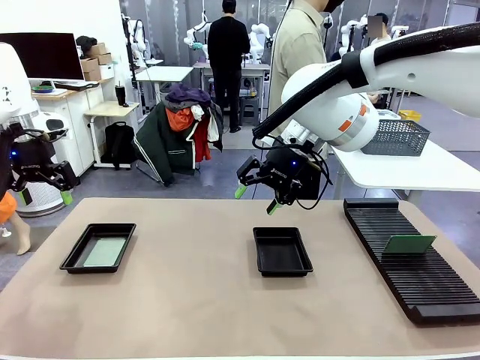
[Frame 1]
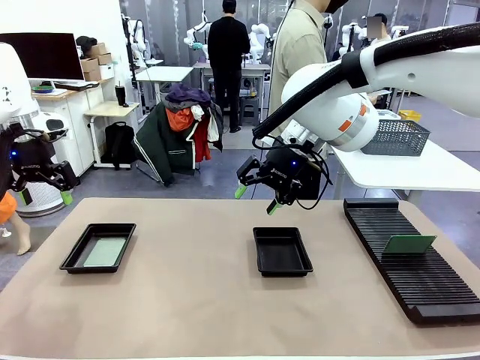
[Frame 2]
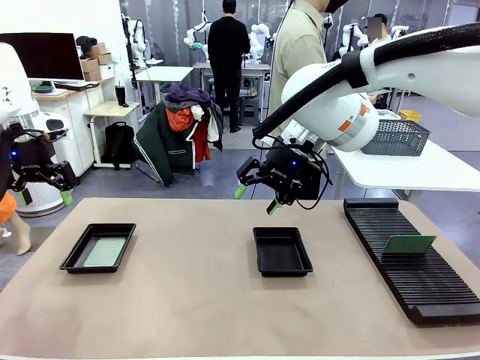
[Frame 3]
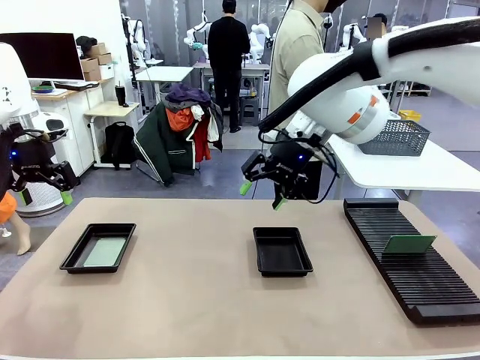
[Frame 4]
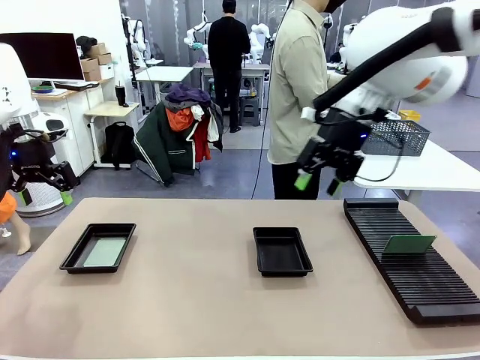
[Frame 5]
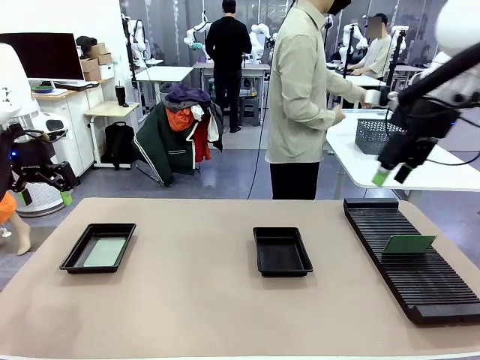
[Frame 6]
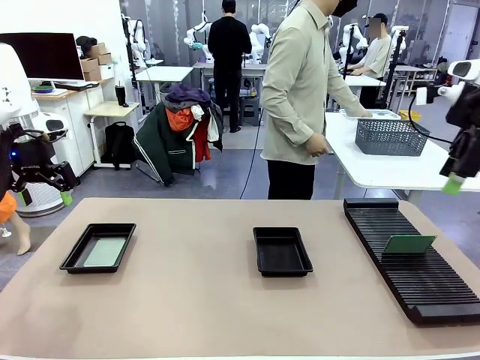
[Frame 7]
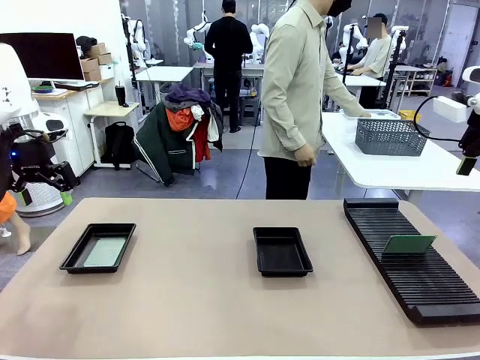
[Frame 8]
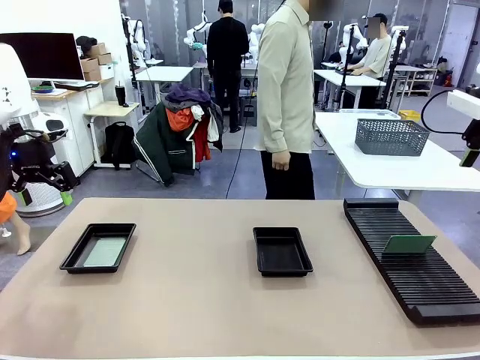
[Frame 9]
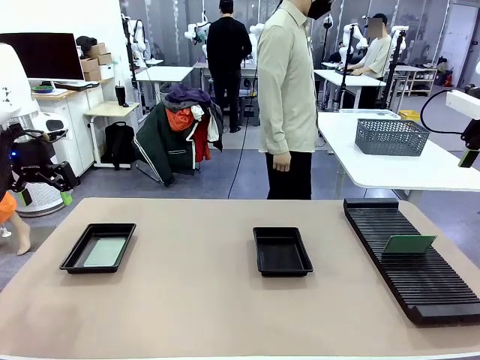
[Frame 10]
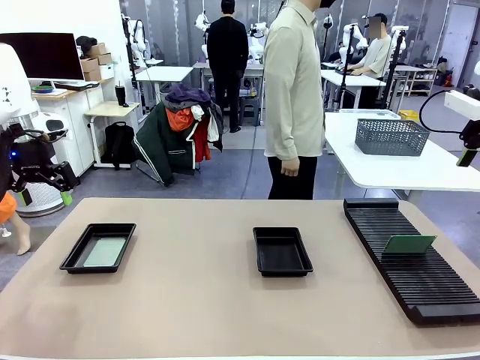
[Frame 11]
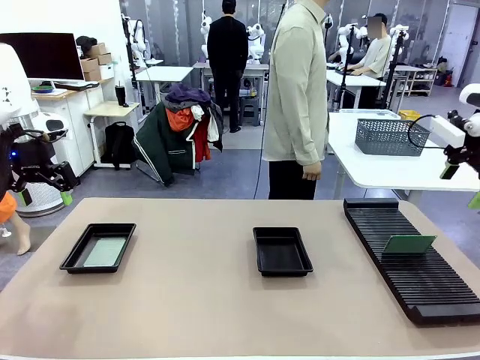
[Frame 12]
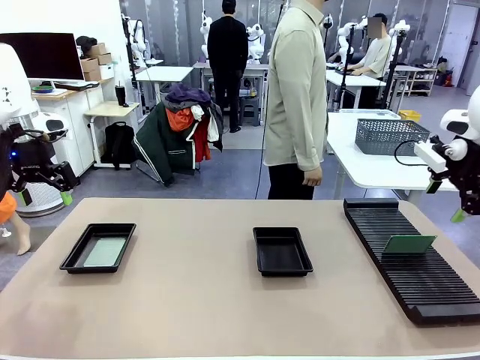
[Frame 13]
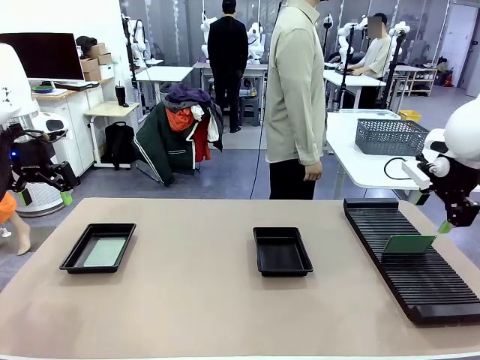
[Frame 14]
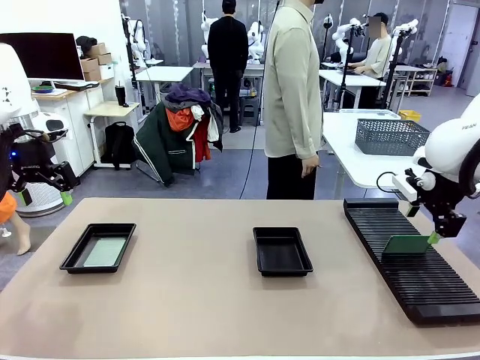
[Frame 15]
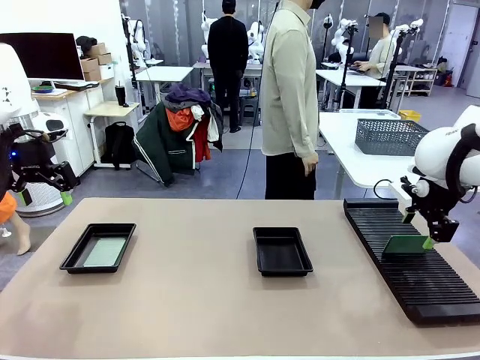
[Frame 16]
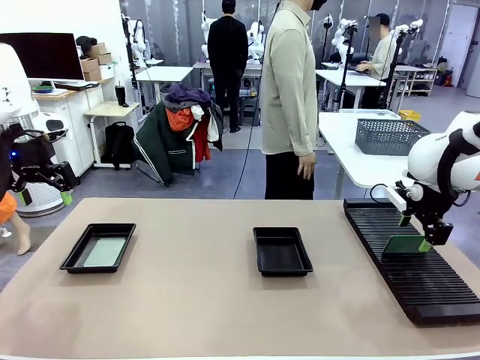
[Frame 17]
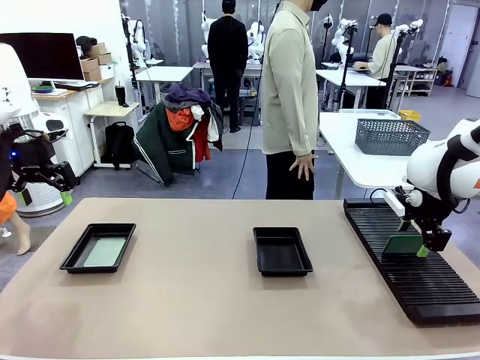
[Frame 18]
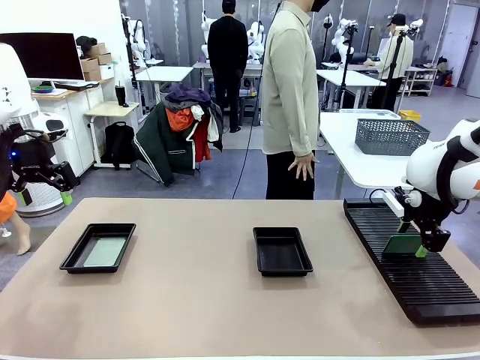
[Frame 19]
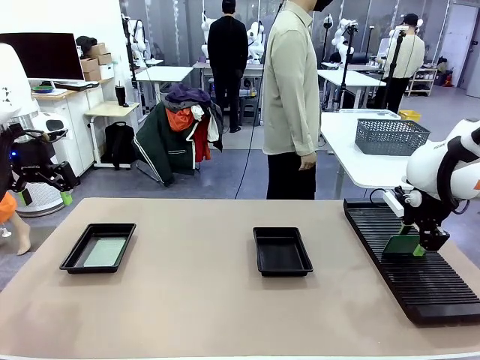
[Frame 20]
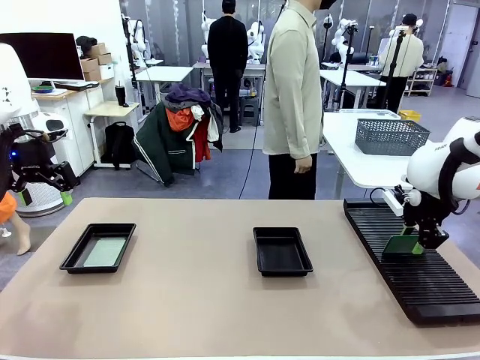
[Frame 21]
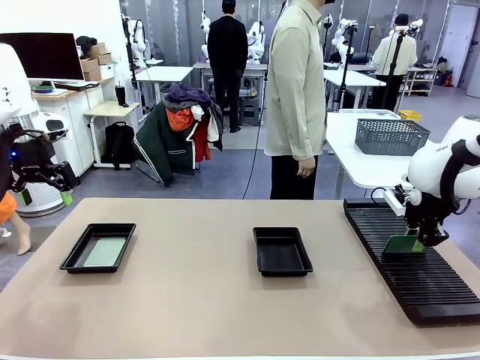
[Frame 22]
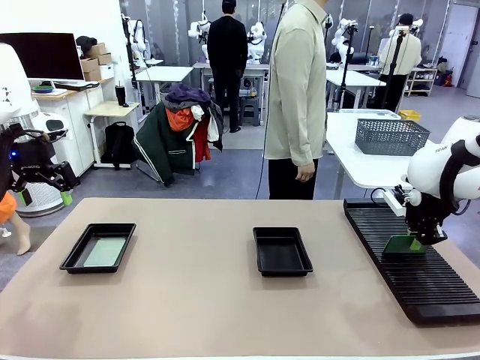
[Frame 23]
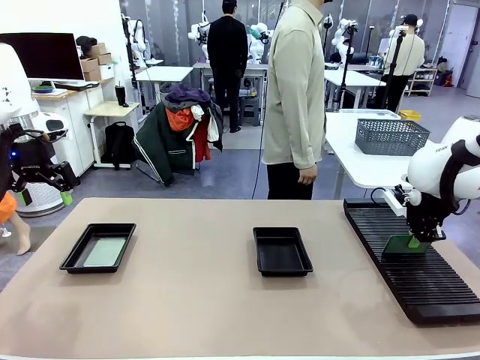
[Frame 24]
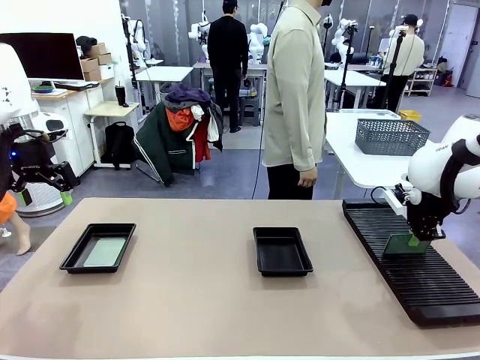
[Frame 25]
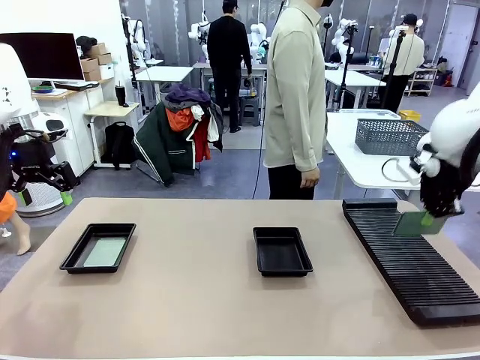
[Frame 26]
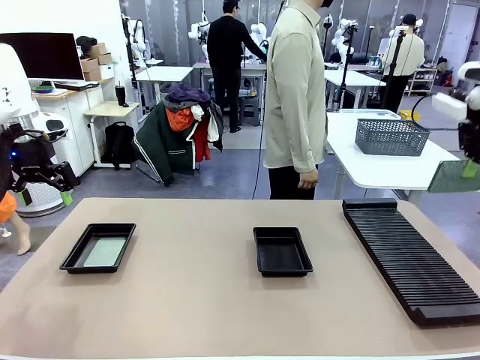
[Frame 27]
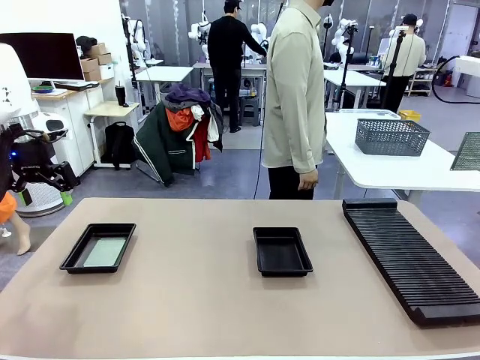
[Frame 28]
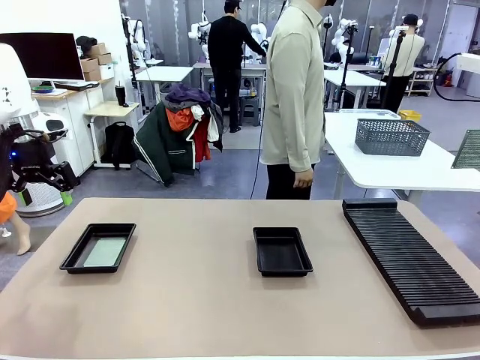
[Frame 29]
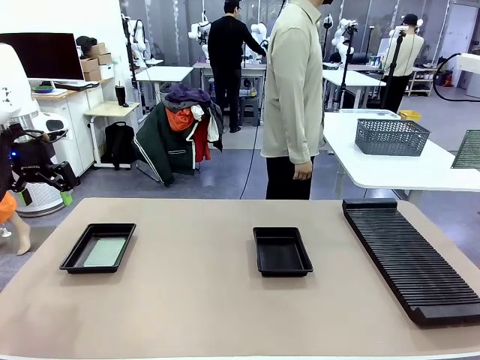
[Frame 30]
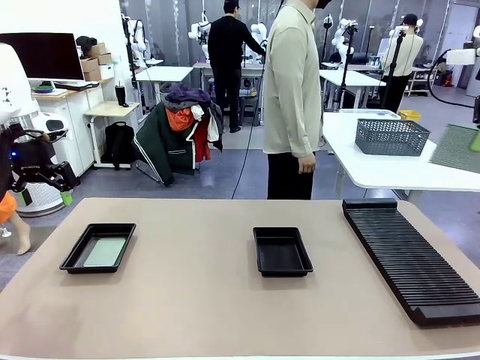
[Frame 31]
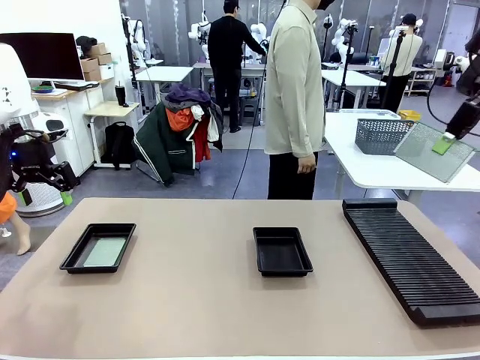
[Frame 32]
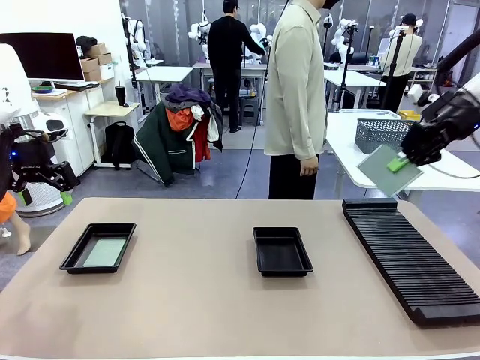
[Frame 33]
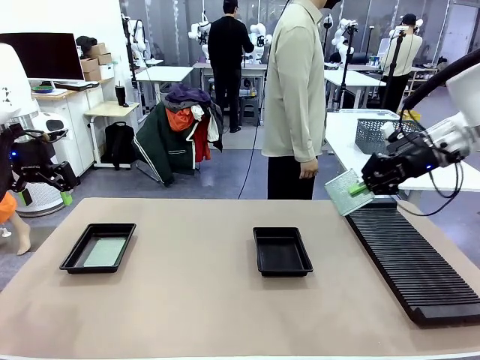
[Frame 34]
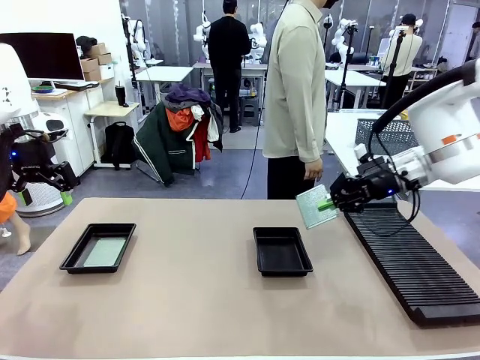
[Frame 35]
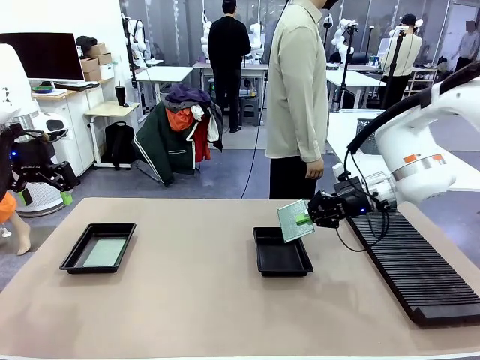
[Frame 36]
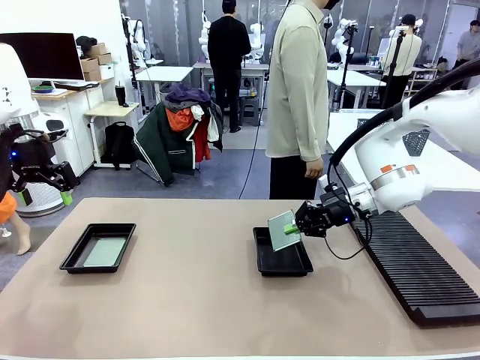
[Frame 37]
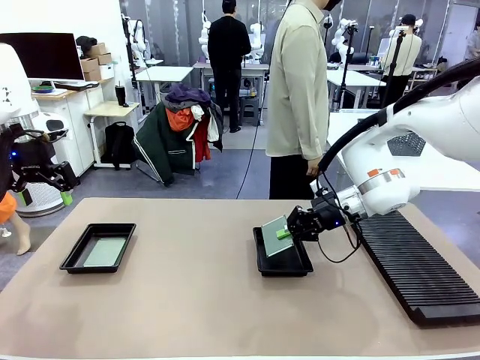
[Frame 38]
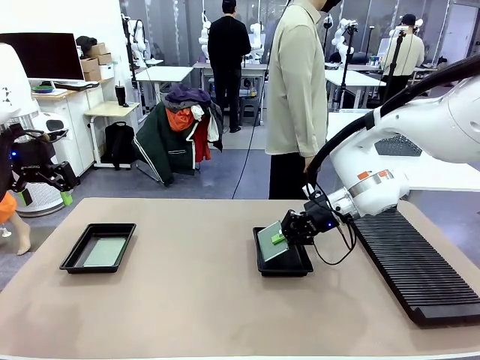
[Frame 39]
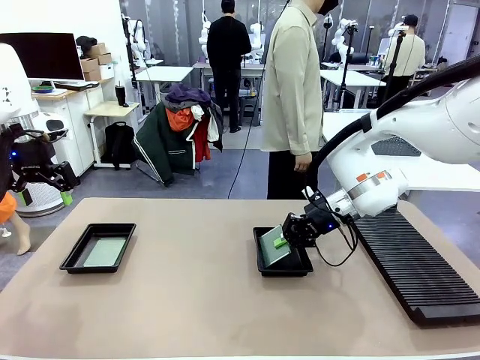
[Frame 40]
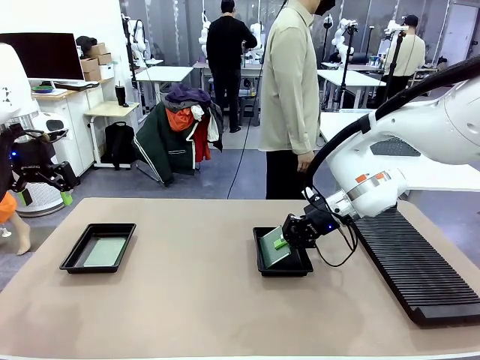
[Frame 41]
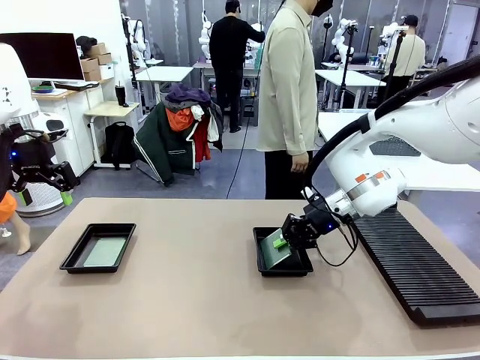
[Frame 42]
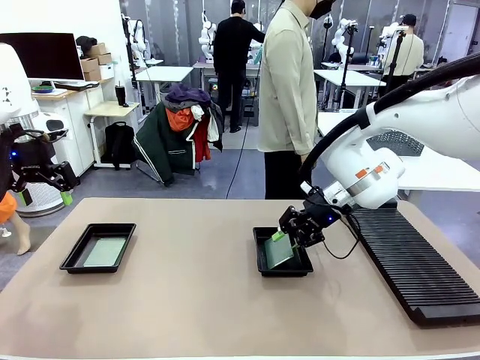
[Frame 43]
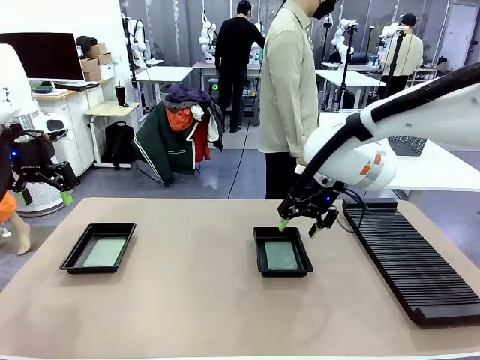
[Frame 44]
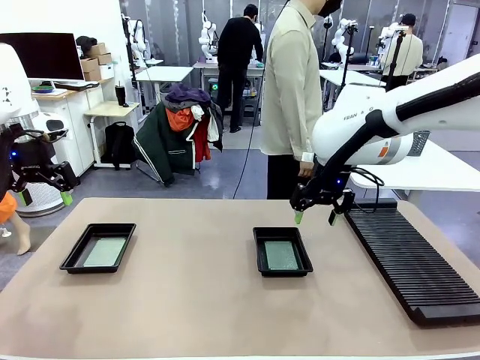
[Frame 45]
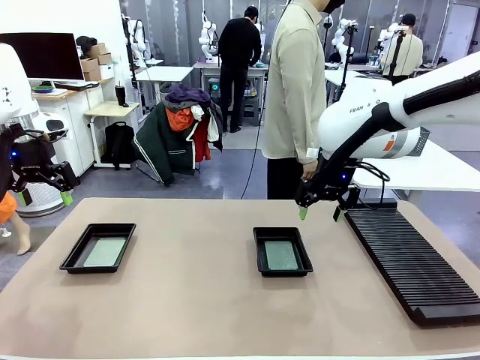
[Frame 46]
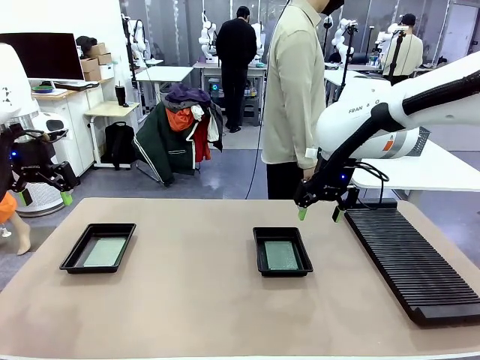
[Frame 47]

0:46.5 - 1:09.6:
Task: Inspect and transfer BCBs to ESD trays.
Robot: Pick up the Blank PCB from the PCB Rack and place it in the right ESD tray.

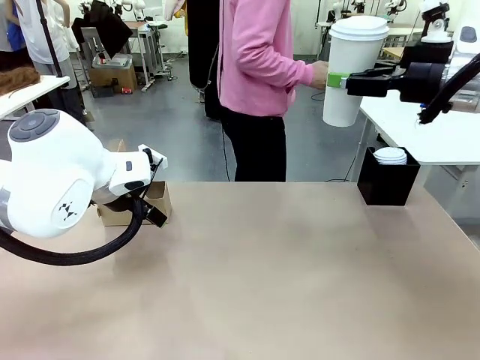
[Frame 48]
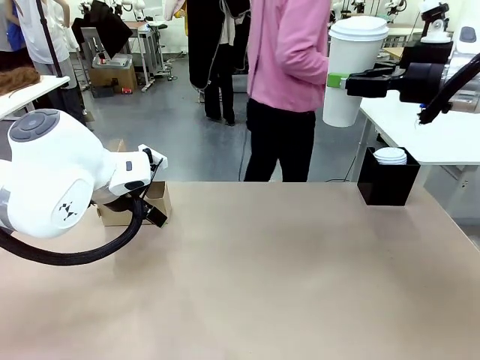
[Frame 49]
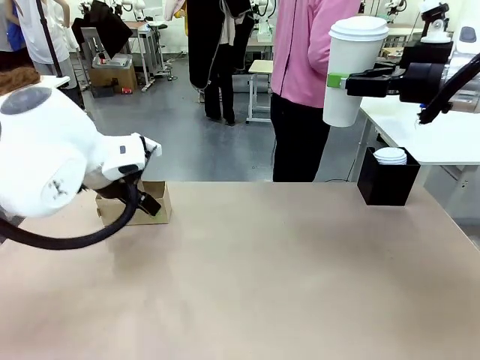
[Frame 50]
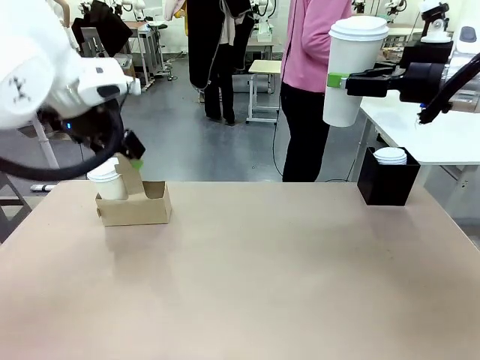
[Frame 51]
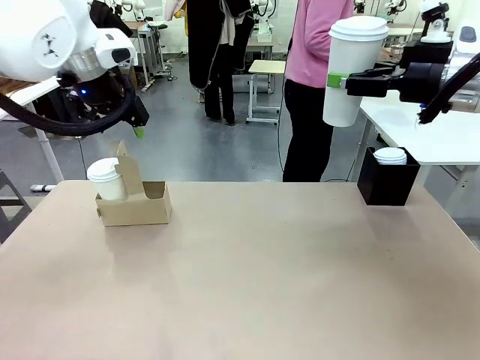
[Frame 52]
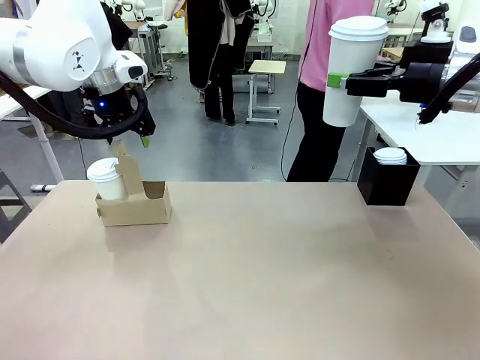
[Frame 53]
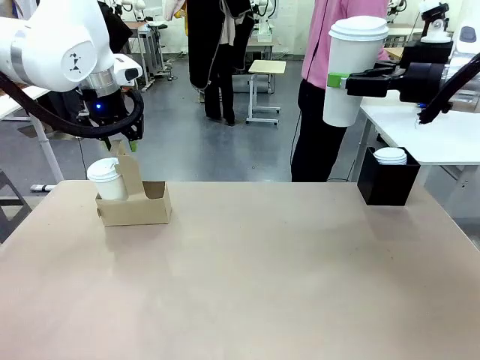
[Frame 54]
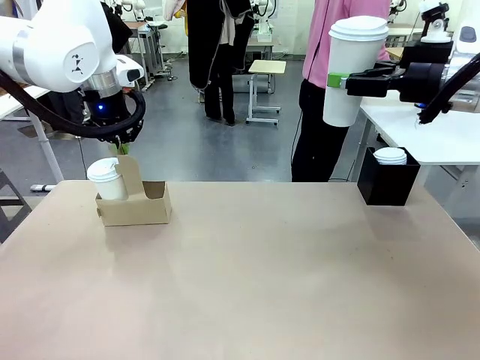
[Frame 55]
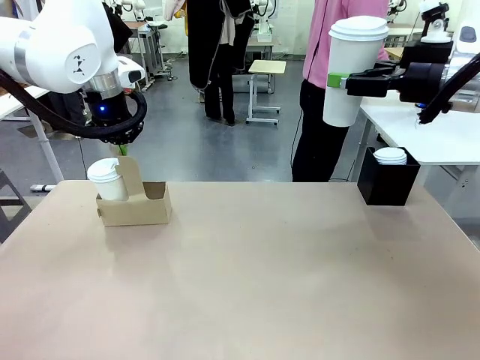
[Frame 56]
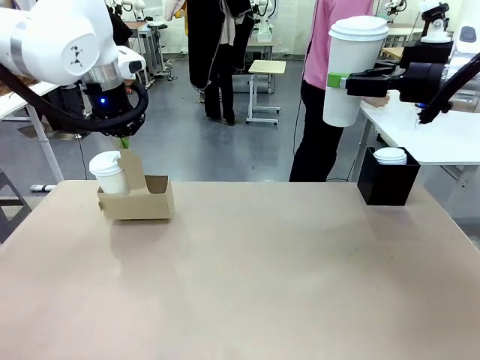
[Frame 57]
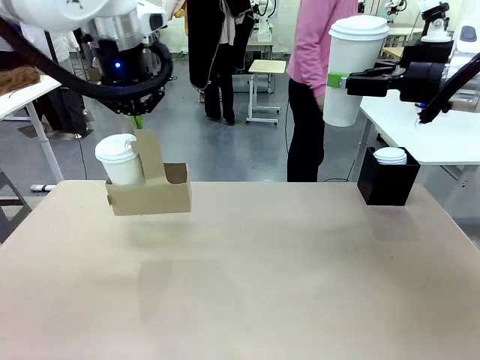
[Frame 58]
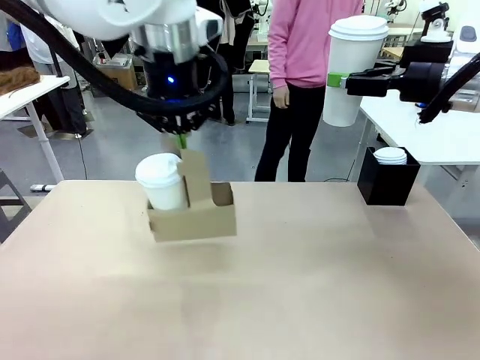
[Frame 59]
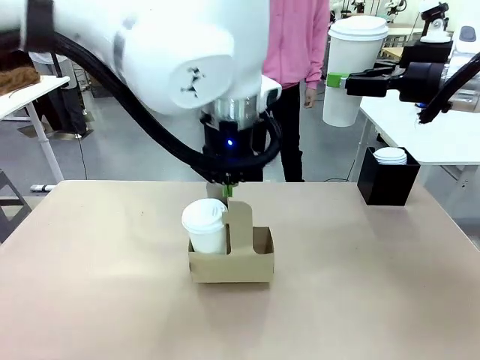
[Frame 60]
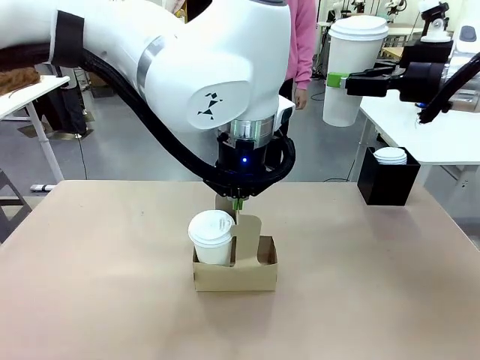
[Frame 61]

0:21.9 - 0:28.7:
Task: Pour a drink into a cup and package it in a carrier.
Robot: Position the Cup Carrier in the center of the table.
